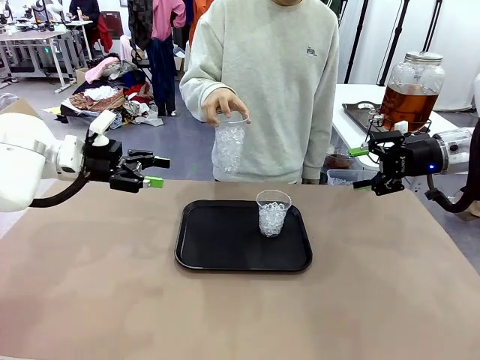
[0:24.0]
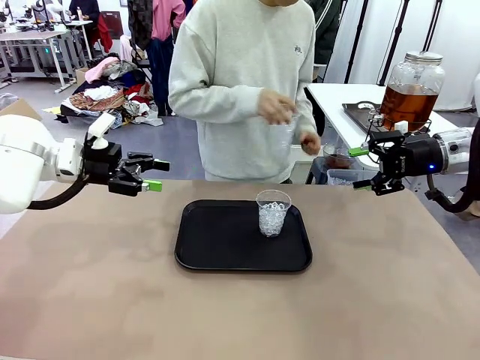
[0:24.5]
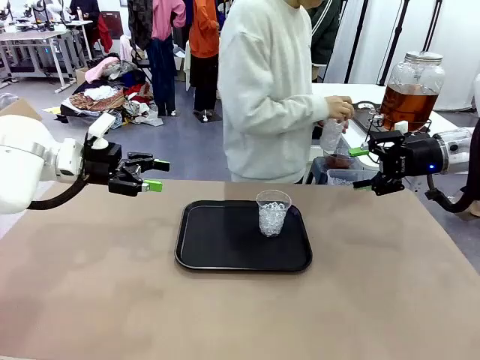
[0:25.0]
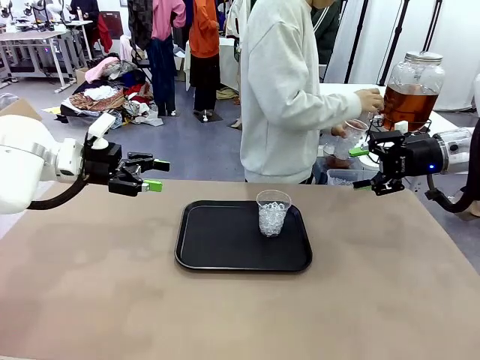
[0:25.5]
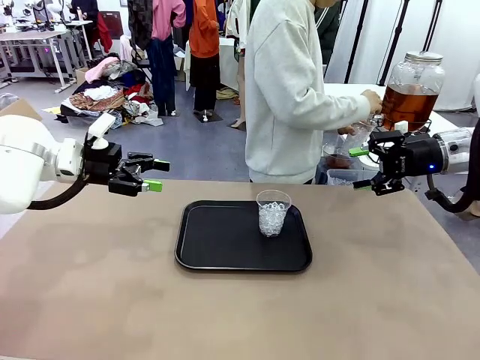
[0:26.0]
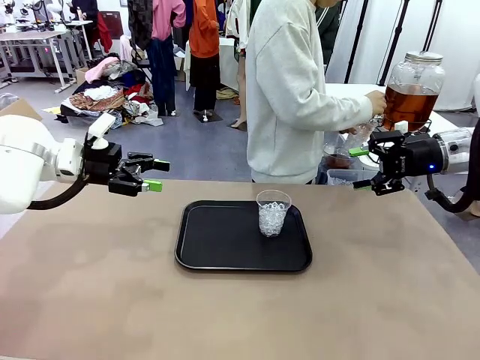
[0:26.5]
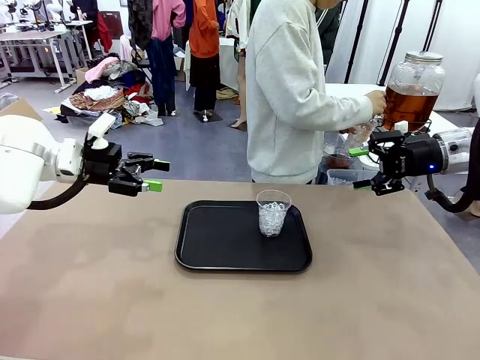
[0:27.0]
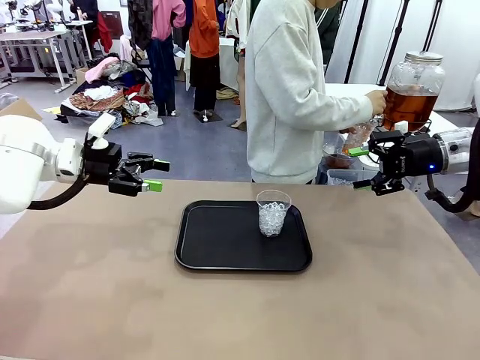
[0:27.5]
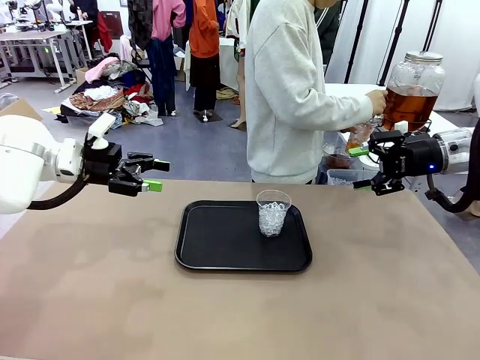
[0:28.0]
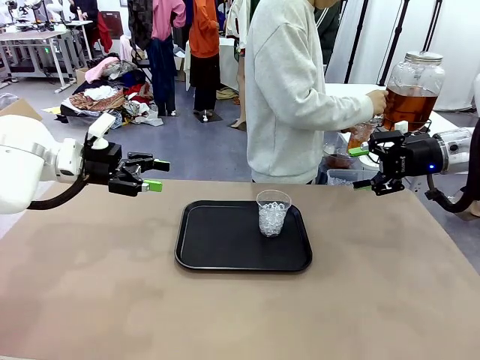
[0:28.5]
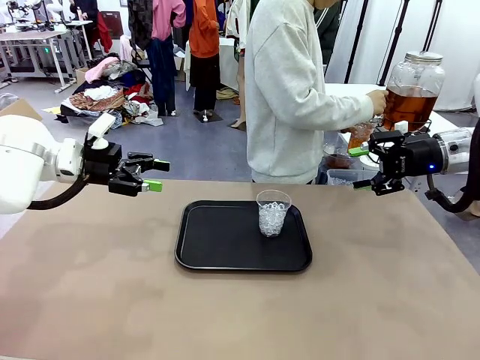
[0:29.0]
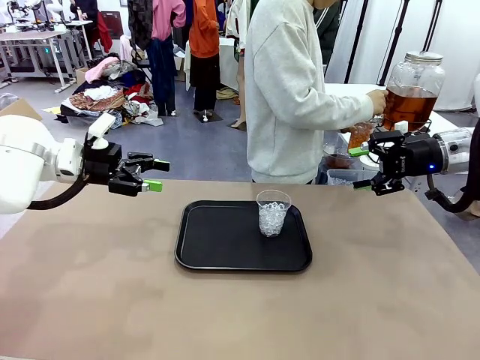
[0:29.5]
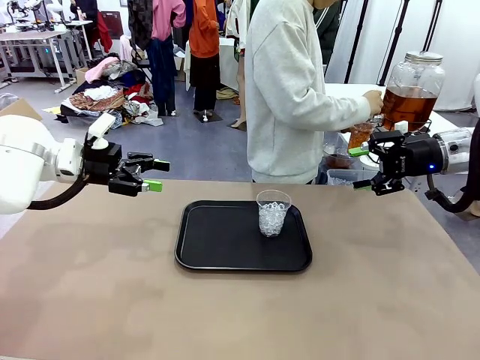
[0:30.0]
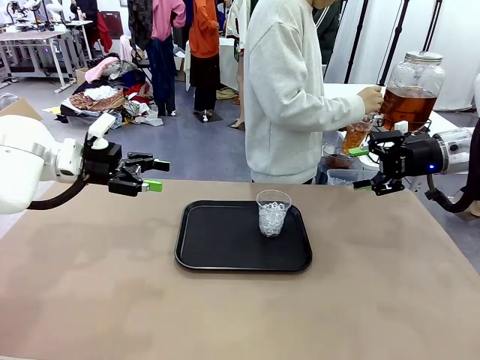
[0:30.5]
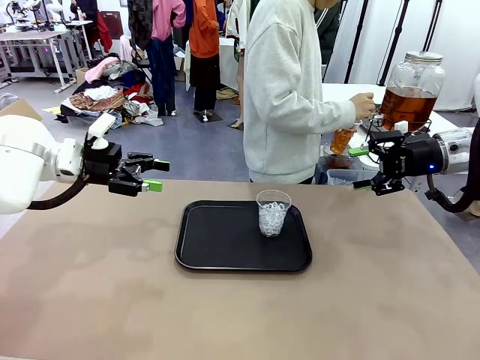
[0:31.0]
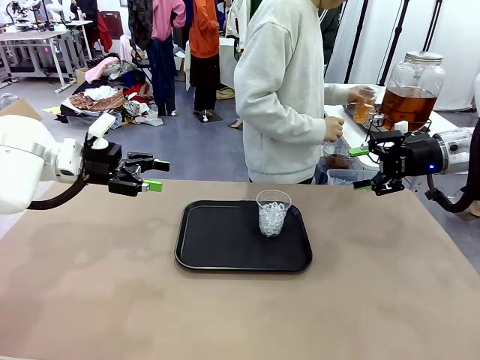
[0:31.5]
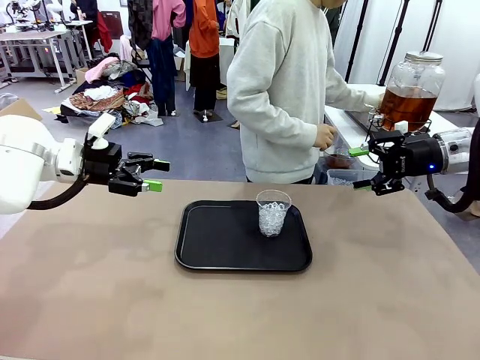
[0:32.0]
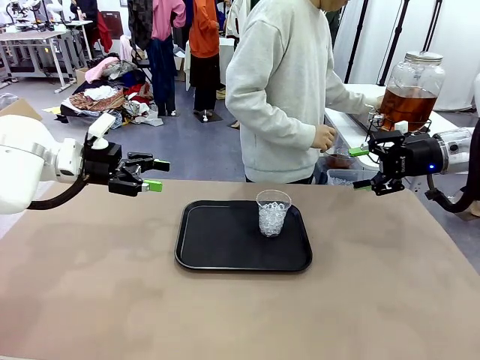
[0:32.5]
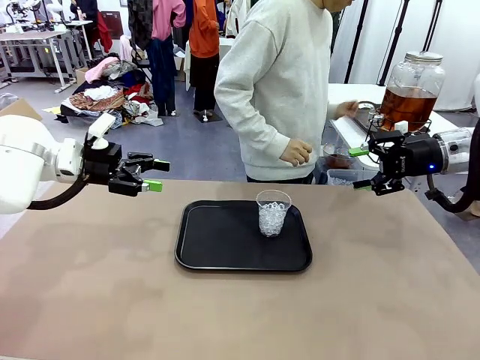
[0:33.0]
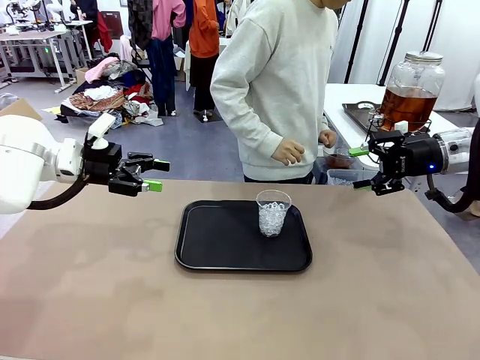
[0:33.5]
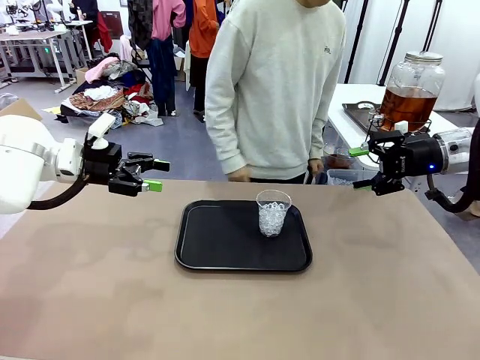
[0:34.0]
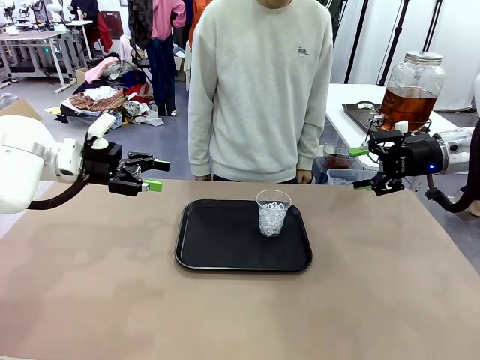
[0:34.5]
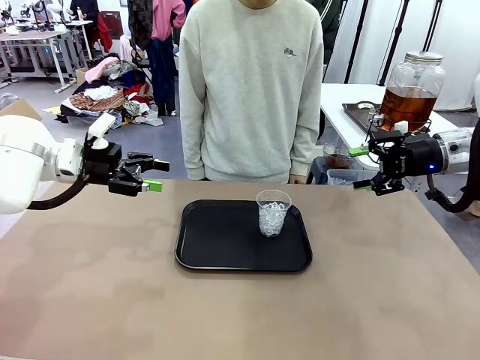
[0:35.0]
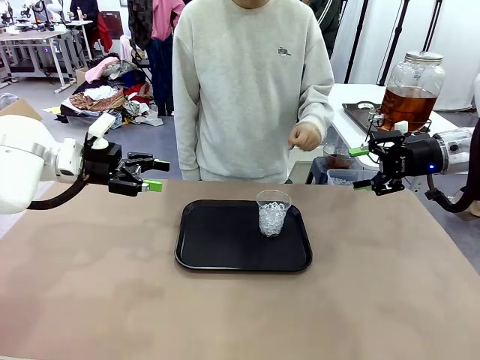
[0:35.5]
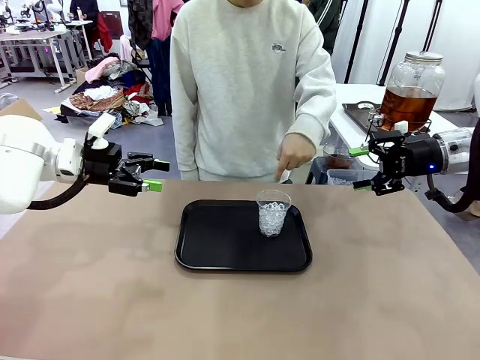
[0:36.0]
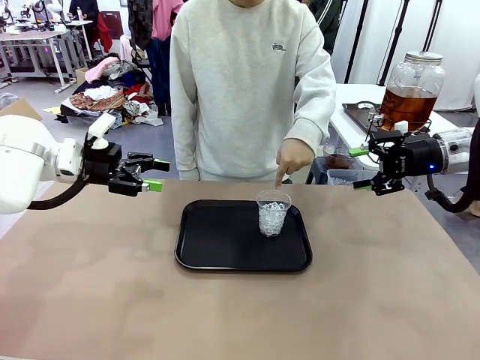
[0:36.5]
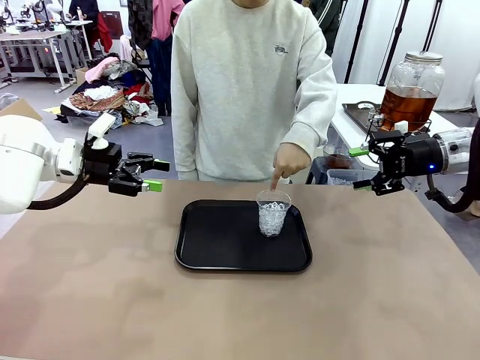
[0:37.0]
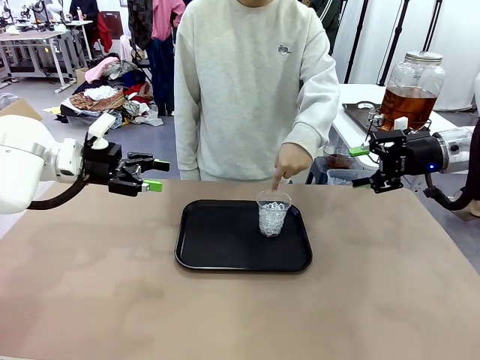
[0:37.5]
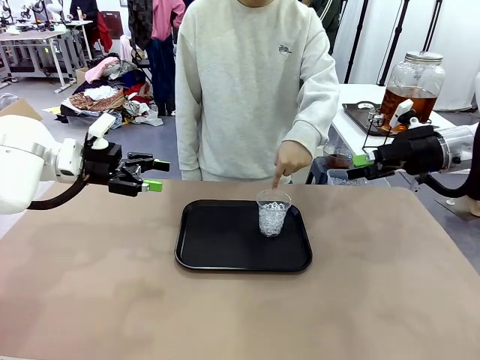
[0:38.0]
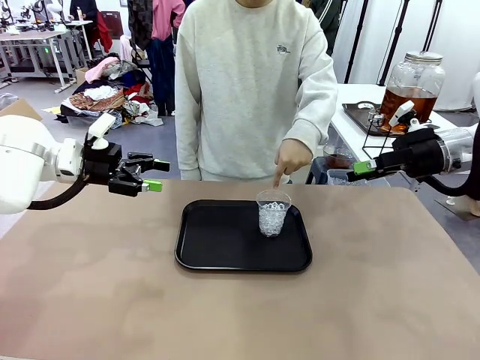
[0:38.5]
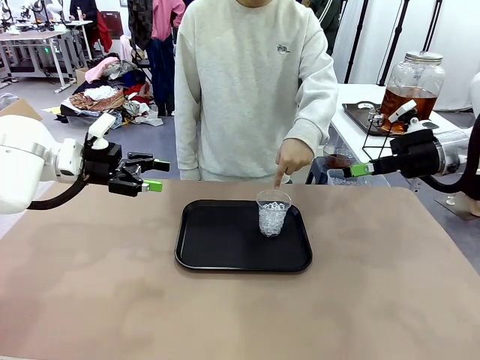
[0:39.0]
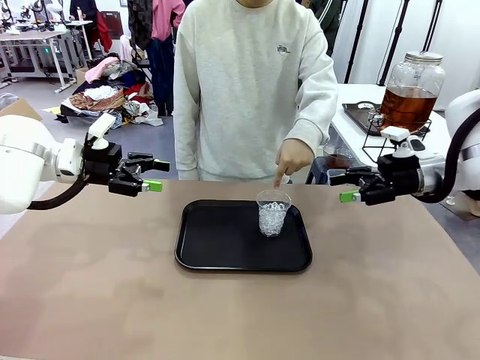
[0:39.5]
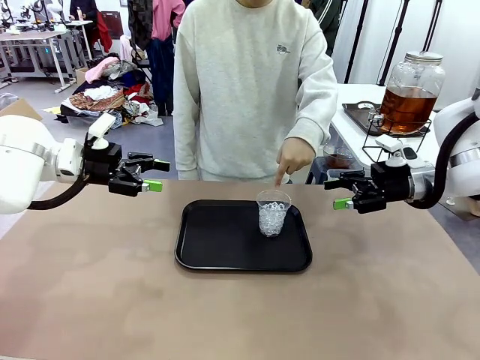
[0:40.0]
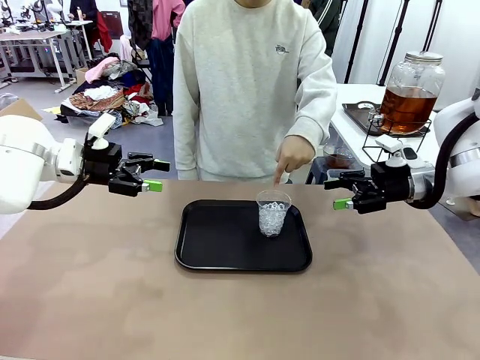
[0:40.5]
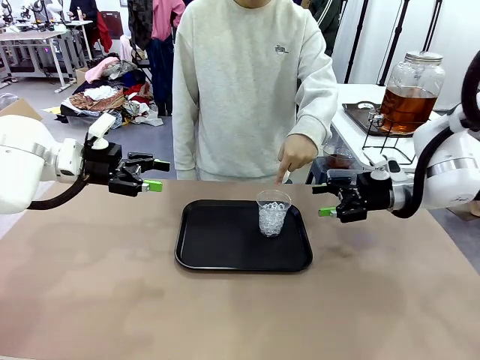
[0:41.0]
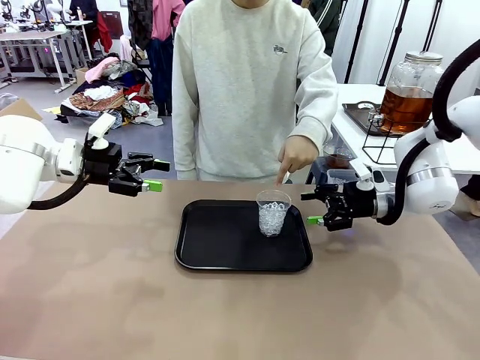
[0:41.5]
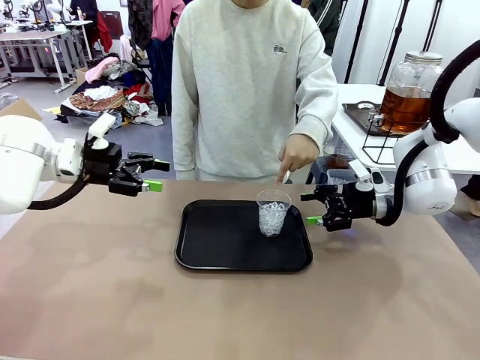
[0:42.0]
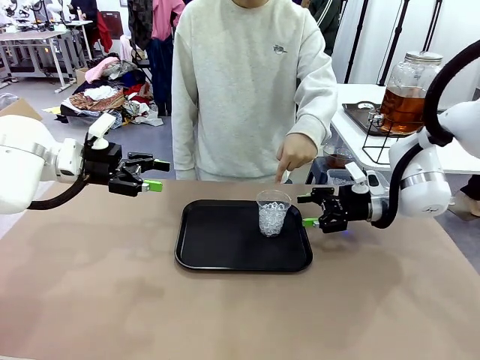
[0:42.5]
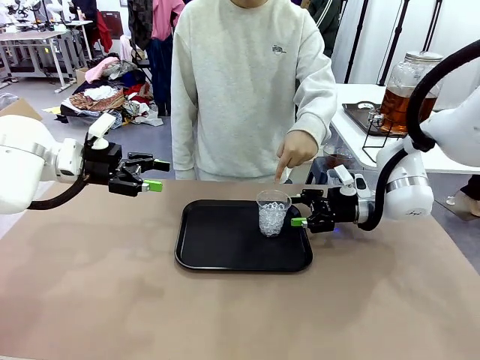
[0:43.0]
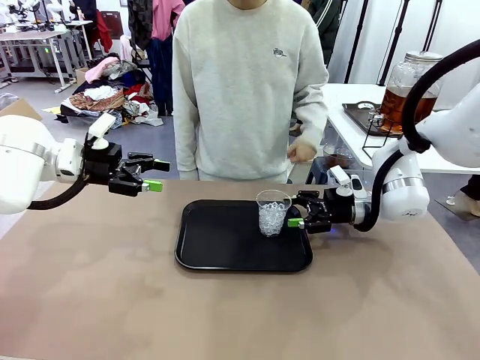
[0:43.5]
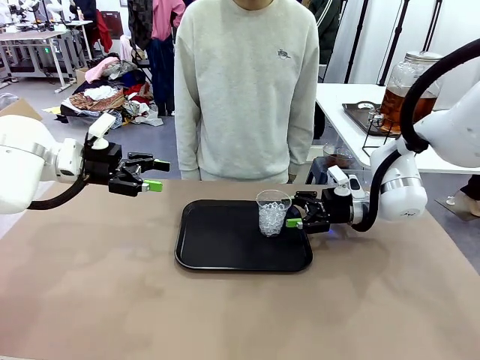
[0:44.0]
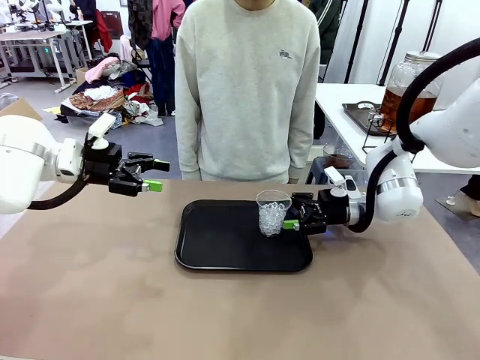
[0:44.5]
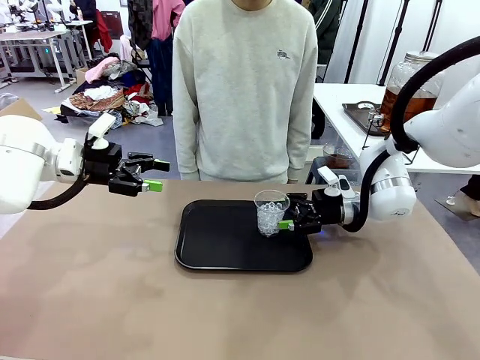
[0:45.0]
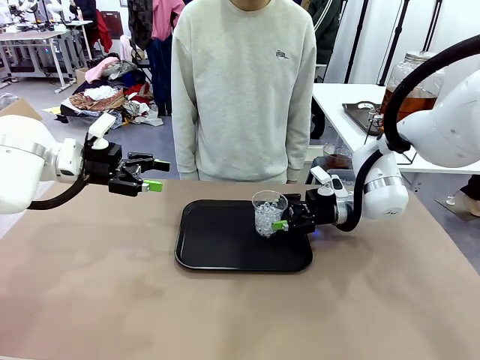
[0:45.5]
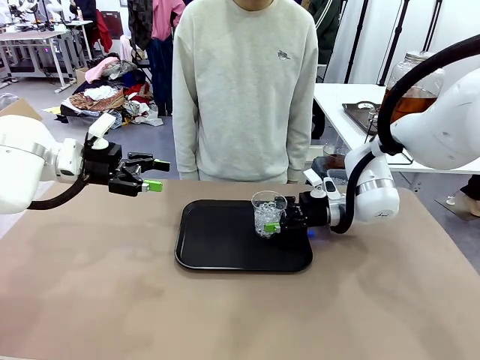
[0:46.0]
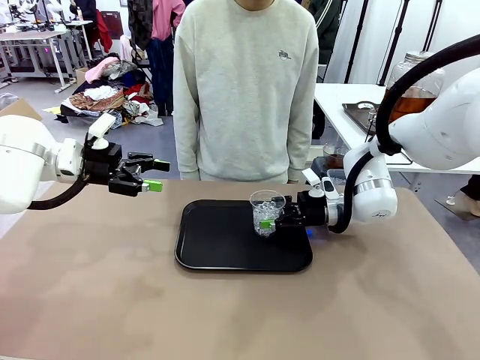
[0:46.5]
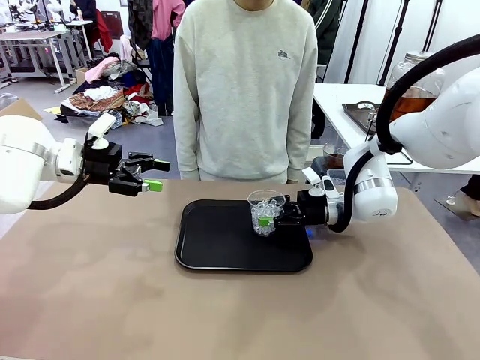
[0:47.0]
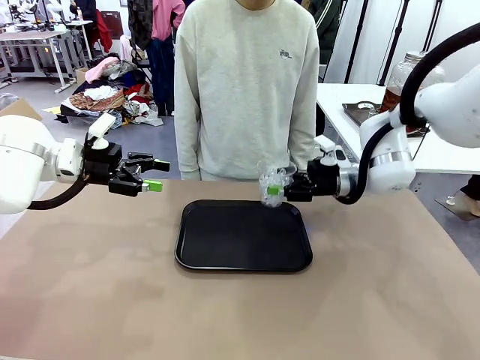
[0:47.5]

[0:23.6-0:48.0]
Task: Pour the drink into the iced cup.
Robot: Pick up the iced cup indicated by the human and present it to them.
Person: Move the picked-up cup under the dispenser faucet, pour the drink, and place it on the tray on the human table. Point to the remaining ice cup on the robot table. Pick up the cup offered by the robot.
